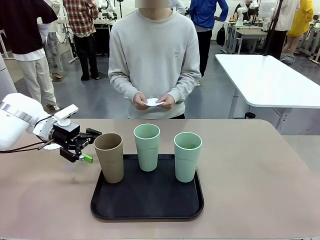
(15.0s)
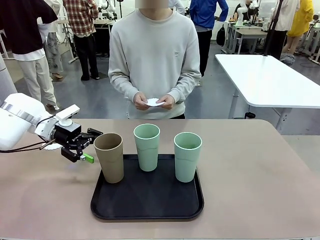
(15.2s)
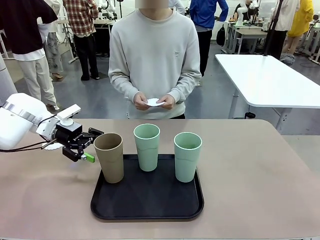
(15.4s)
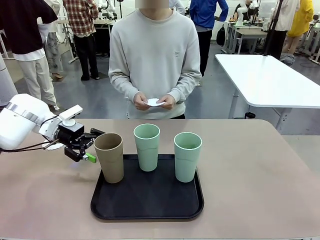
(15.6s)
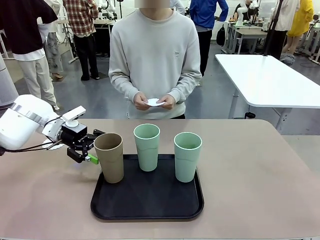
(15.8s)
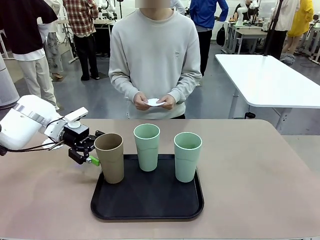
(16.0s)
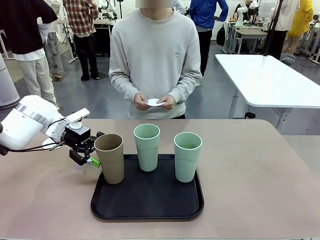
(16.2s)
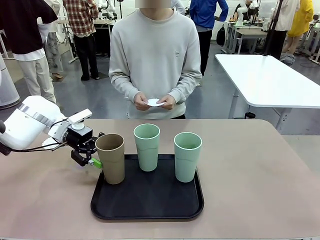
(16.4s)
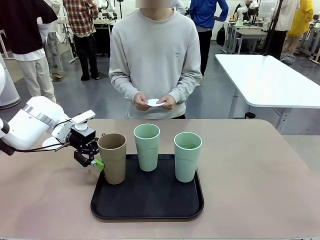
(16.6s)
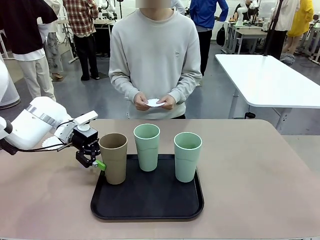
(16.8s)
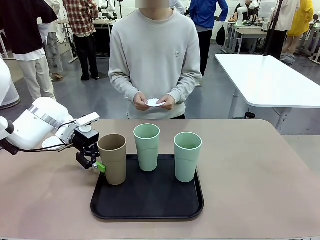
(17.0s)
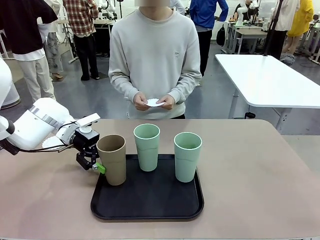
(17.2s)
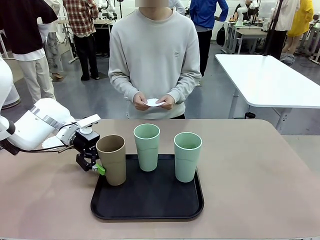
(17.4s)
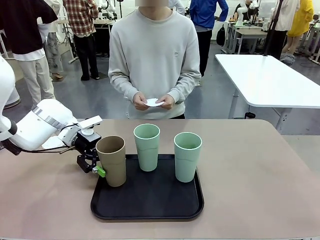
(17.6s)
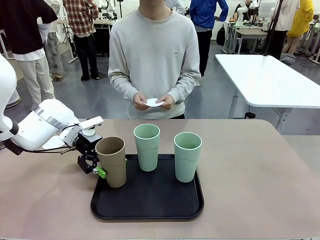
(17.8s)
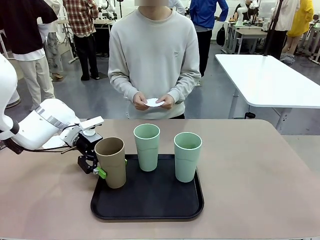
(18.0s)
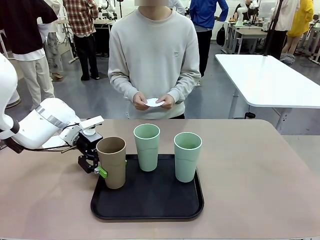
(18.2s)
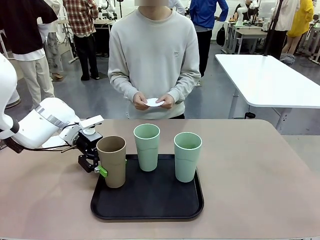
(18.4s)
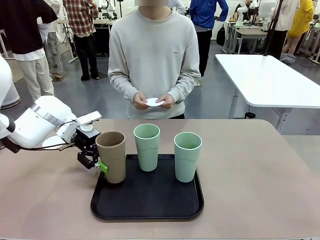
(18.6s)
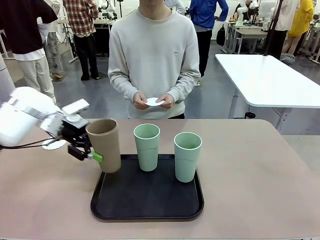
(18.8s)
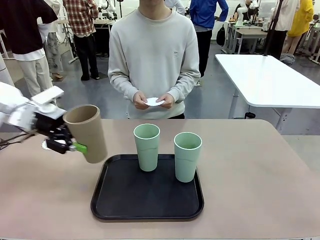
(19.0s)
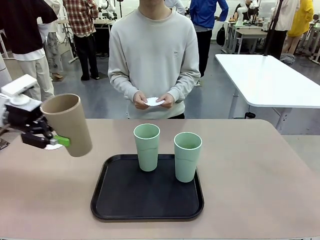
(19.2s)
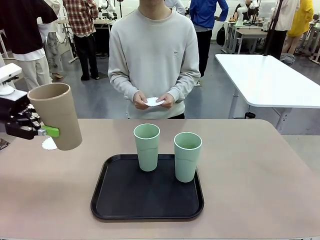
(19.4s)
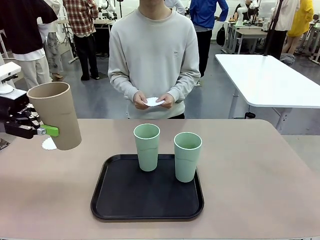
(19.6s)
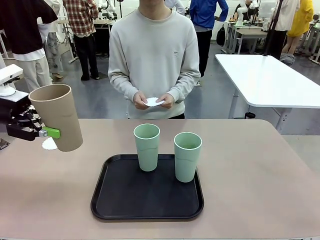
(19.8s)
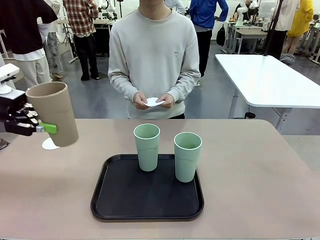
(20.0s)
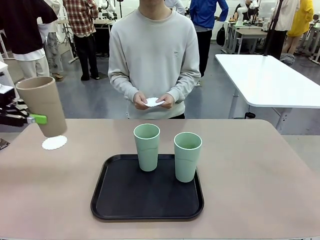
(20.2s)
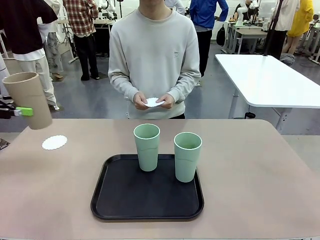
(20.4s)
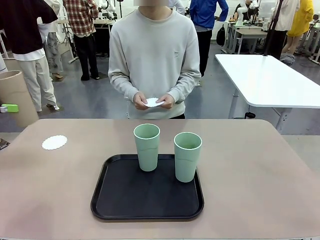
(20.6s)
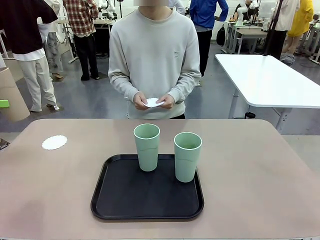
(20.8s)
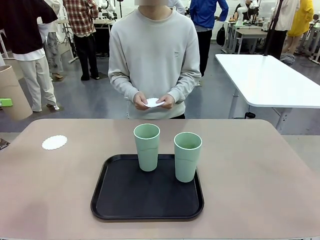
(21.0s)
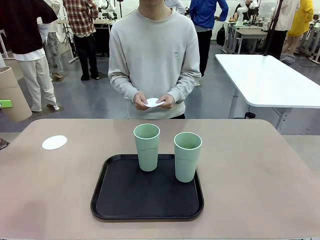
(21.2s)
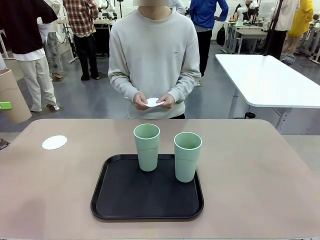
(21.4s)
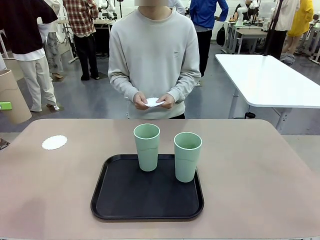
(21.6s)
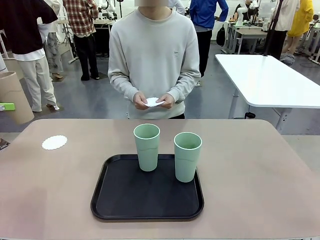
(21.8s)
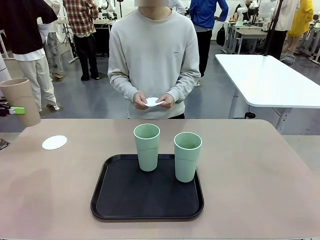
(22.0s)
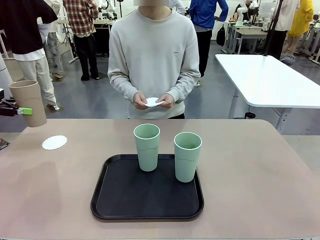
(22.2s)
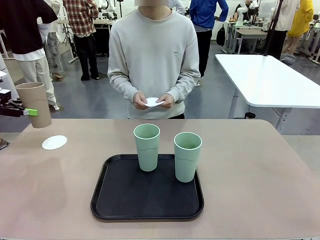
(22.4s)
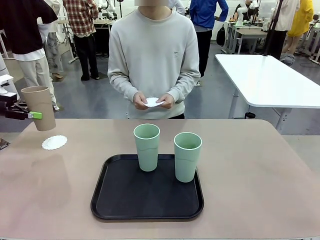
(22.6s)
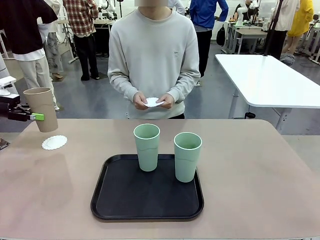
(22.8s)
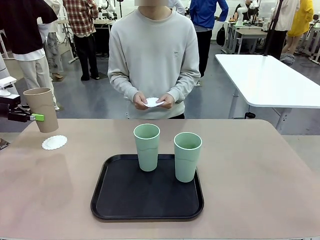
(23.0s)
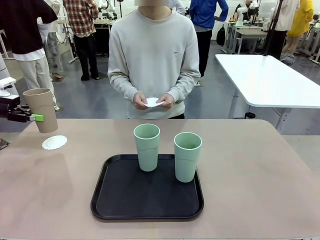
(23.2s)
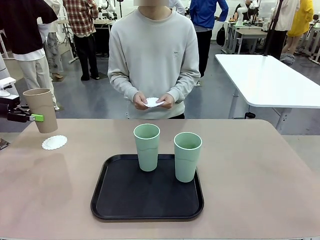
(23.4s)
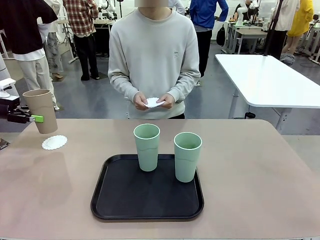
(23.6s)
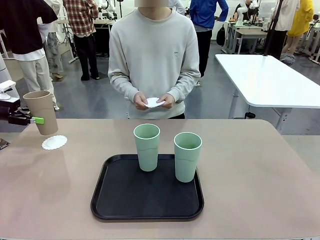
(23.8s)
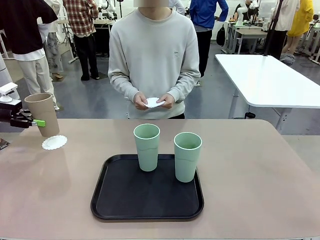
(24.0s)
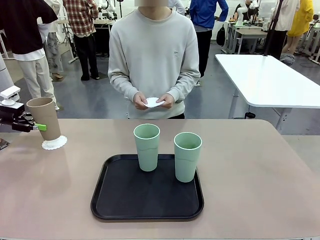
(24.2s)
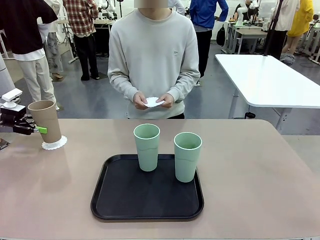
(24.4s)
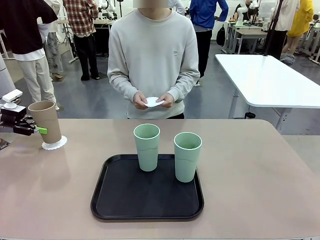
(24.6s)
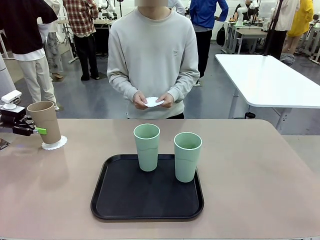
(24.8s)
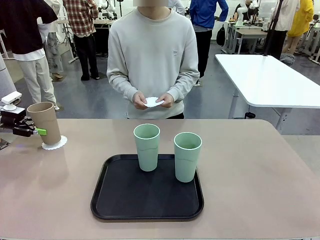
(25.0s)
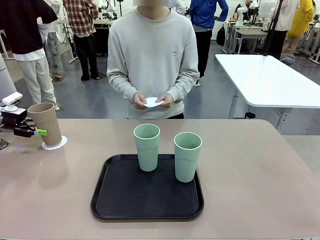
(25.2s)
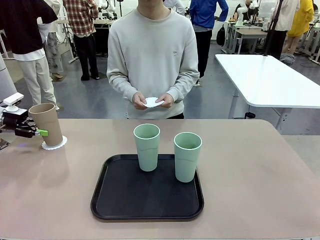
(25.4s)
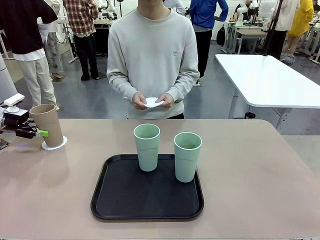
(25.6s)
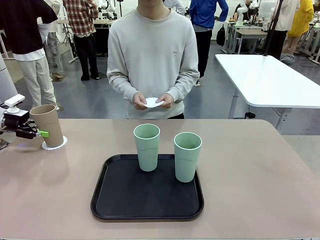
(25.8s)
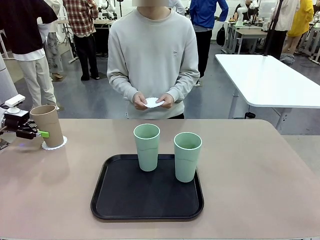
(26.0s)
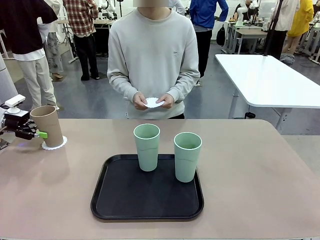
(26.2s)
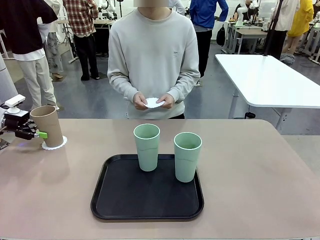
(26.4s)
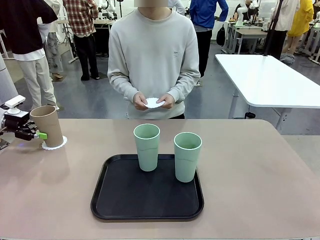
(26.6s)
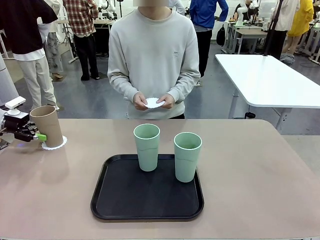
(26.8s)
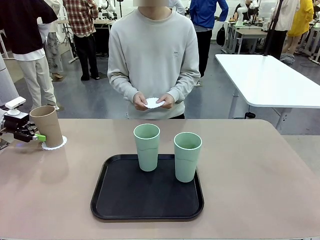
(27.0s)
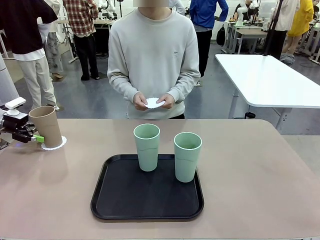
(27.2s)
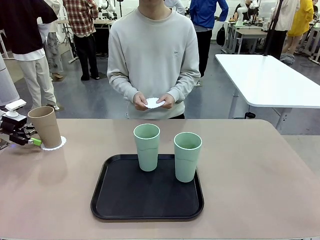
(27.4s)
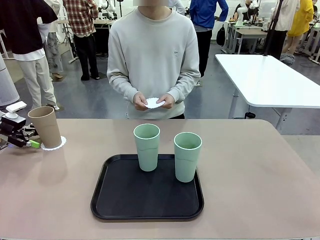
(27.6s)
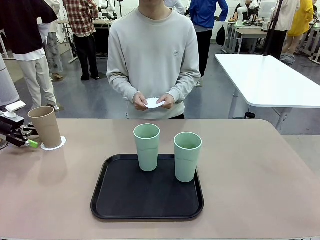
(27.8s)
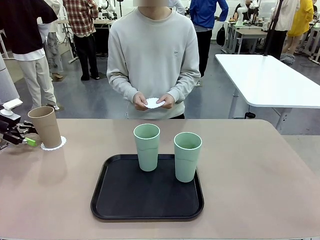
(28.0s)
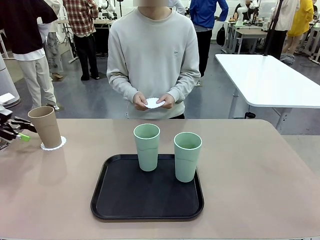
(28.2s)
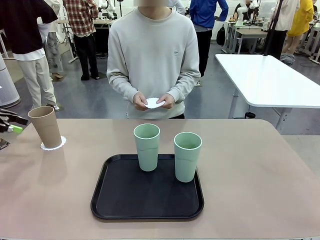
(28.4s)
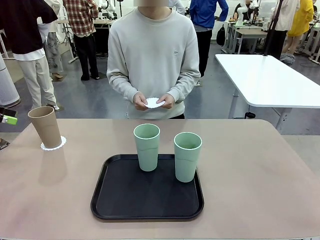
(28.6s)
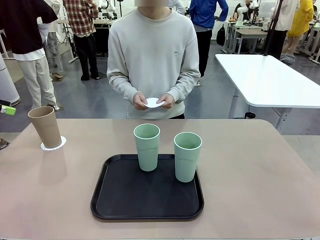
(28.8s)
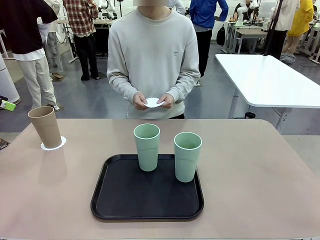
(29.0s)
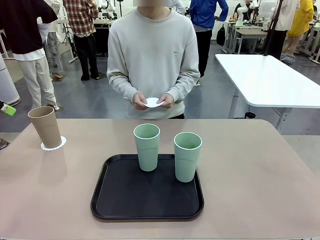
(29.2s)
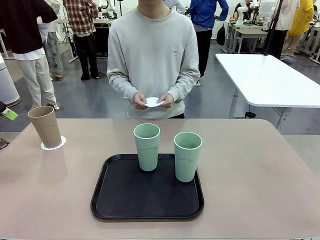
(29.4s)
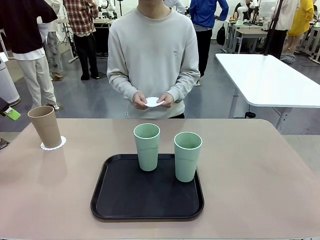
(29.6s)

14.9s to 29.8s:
Task: Place coasters on the table and set cups on them.
Robot: Pick up one Reusable plastic cup and place it on a coaster set by the human.
Person: Place one coaster in one of the two areas excluding the previously selected area.

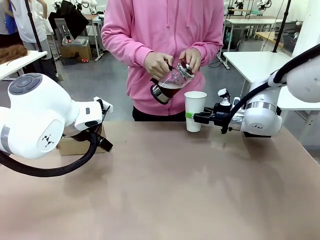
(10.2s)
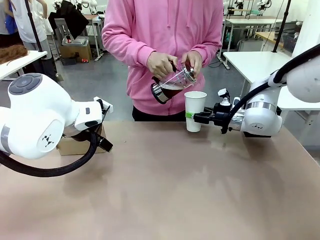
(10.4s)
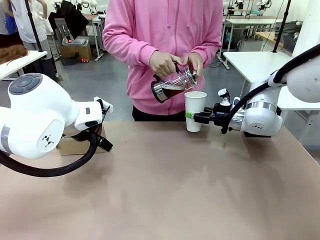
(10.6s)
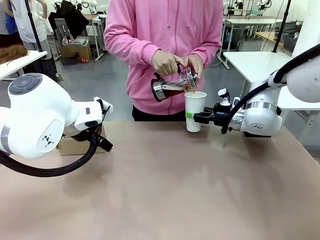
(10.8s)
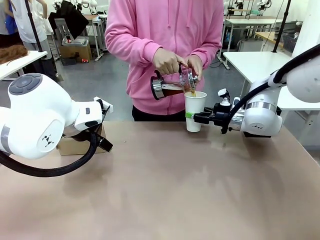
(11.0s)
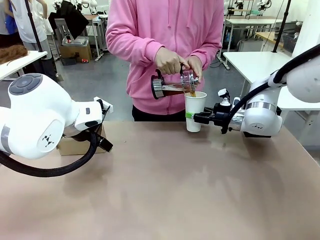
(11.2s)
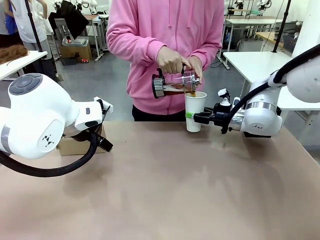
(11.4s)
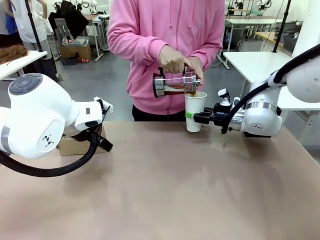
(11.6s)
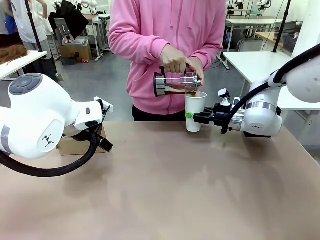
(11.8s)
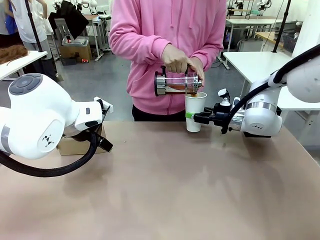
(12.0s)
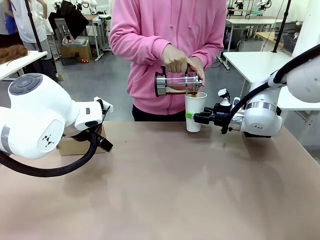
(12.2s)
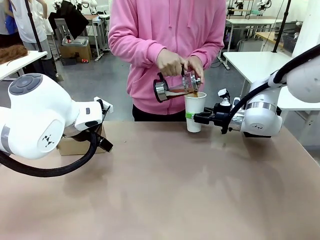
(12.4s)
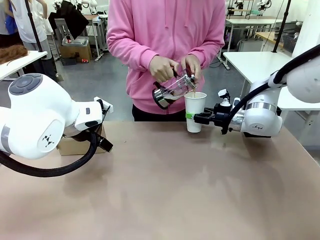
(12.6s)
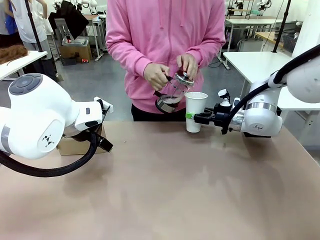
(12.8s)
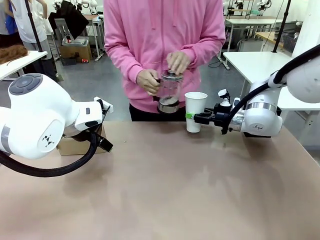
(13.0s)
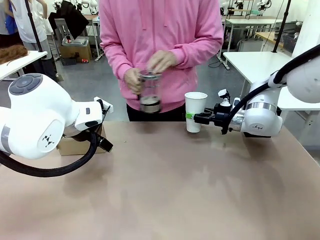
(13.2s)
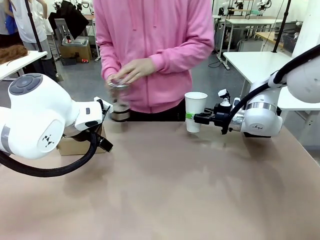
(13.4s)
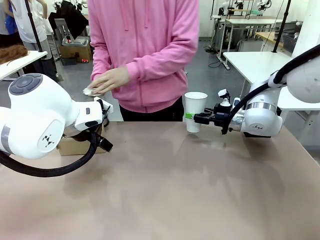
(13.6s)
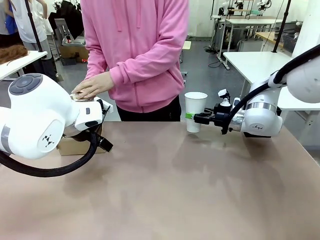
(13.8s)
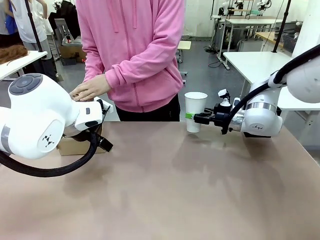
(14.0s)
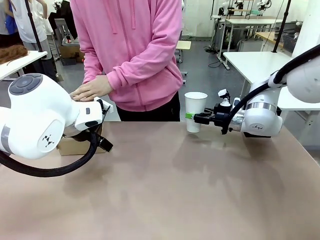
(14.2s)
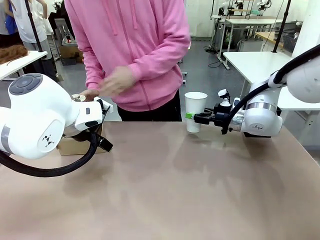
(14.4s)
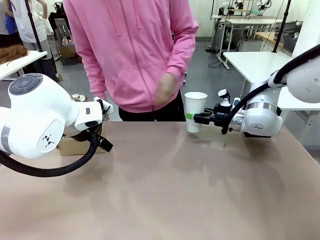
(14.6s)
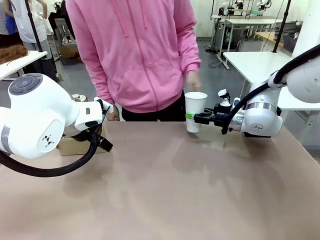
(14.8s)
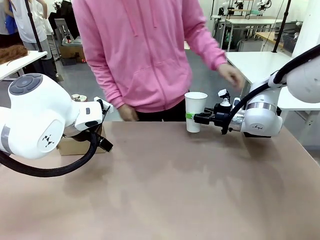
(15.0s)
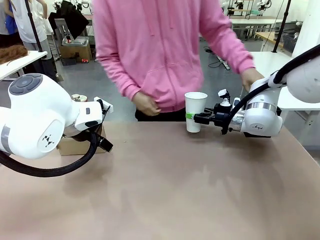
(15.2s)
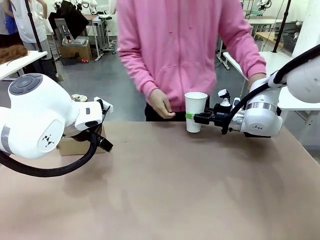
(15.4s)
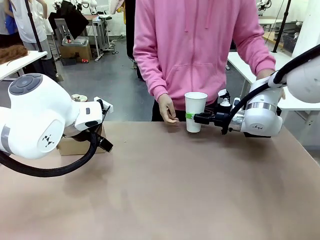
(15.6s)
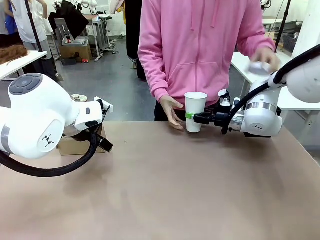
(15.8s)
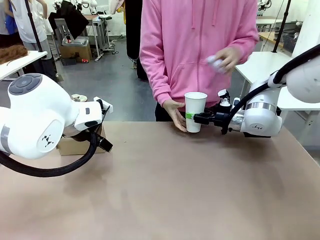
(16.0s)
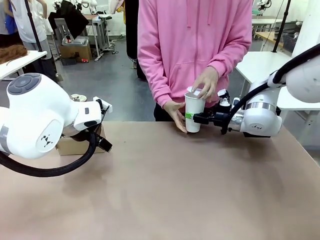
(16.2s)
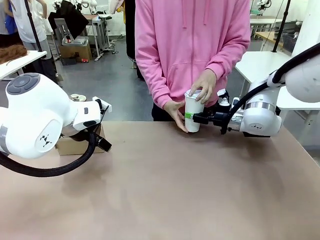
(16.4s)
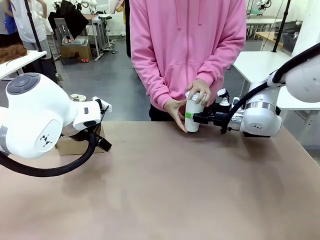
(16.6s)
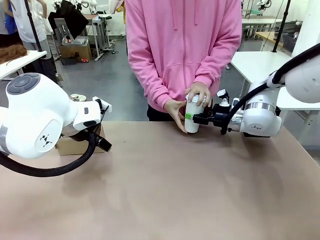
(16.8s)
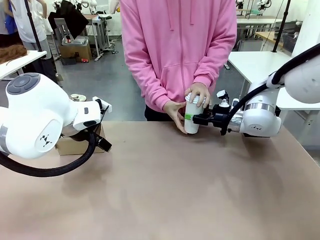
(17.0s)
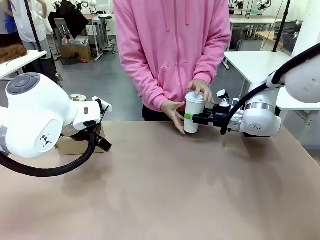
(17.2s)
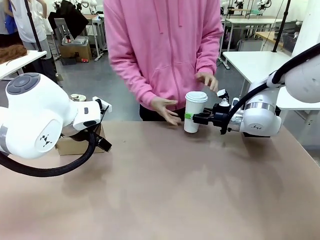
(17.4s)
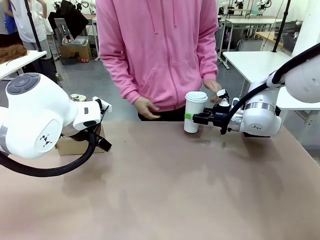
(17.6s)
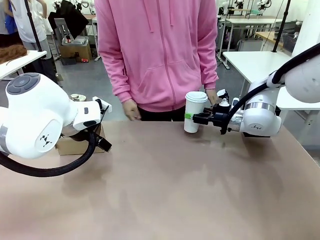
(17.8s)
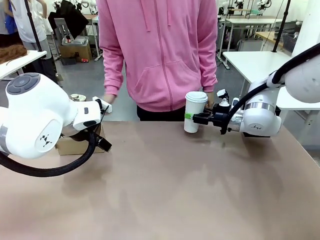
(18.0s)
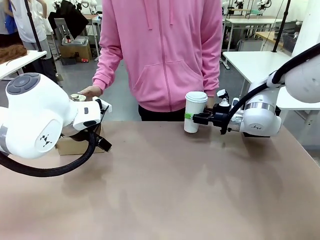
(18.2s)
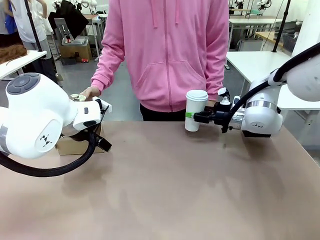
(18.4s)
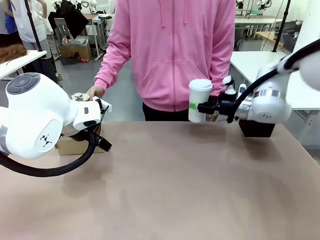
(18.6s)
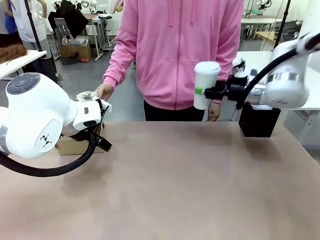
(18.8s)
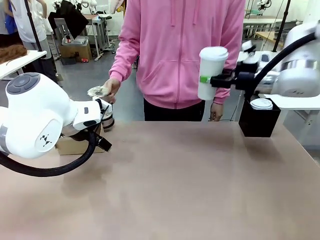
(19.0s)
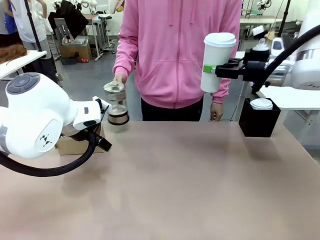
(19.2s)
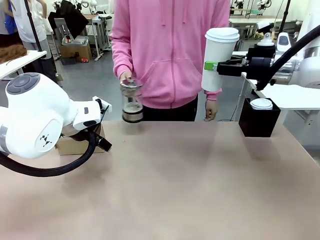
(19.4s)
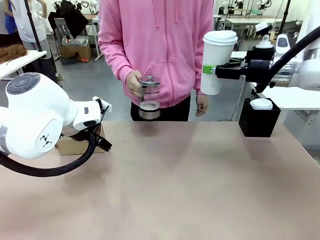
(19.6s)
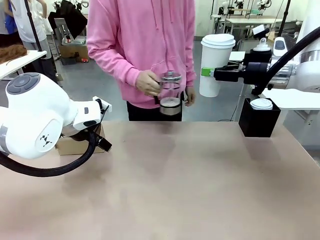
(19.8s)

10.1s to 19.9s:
Task: Pour a drink into a cup and package it in a carrier.
Robot: When a person places the Paper Cup Lid on the 600 ml Paper Cup , lift the 600 ml Paper Cup.
Person: Pour the drink from the Filter Brewing into the 600 ml Paper Cup. Place a Paper Cup Lid on the 600 ml Paper Cup.
